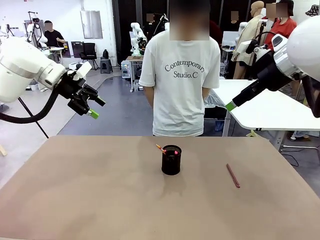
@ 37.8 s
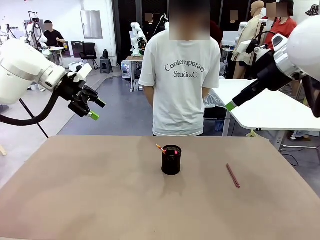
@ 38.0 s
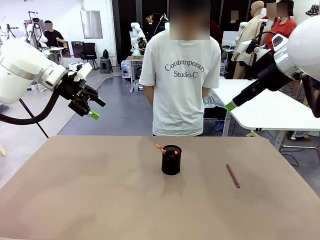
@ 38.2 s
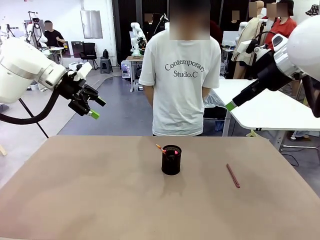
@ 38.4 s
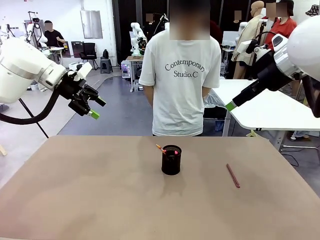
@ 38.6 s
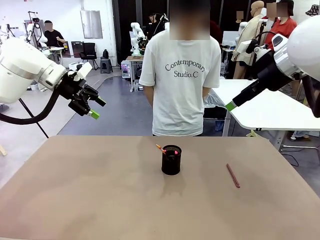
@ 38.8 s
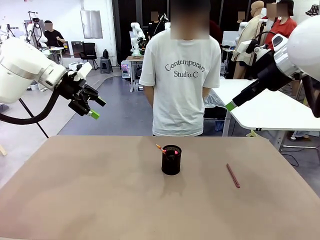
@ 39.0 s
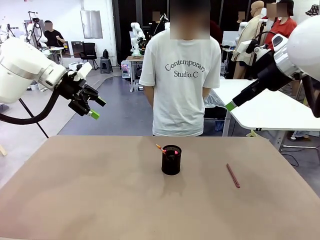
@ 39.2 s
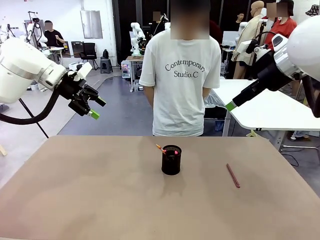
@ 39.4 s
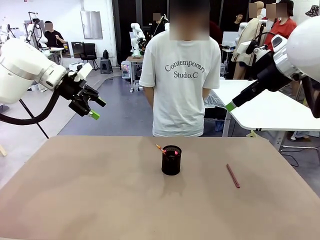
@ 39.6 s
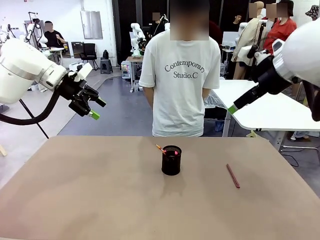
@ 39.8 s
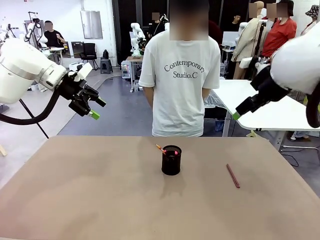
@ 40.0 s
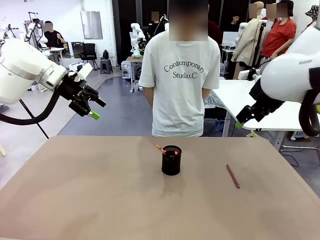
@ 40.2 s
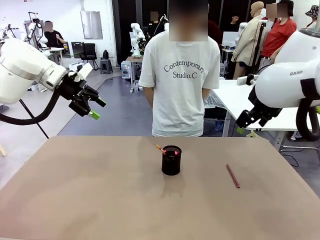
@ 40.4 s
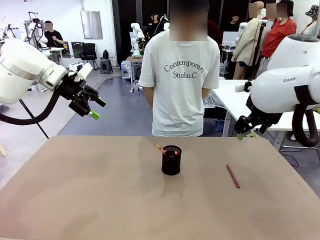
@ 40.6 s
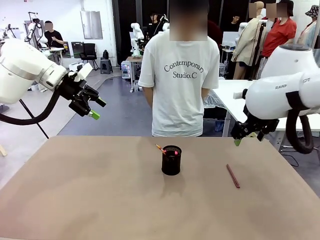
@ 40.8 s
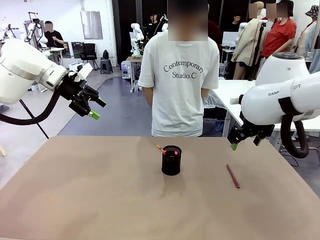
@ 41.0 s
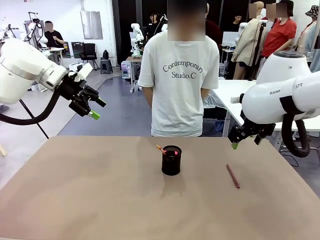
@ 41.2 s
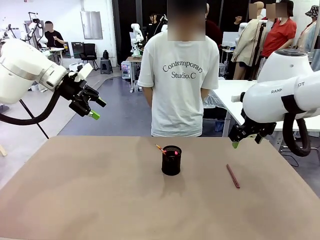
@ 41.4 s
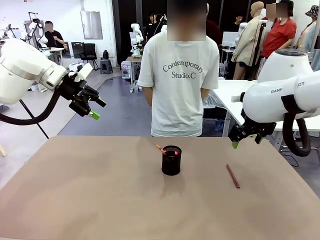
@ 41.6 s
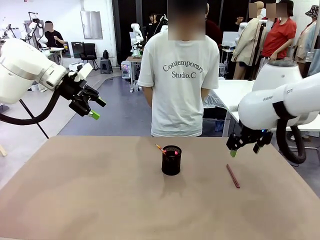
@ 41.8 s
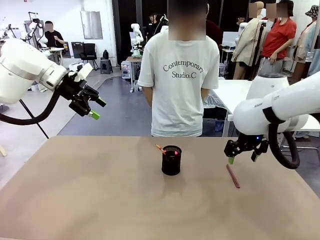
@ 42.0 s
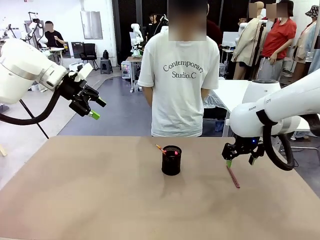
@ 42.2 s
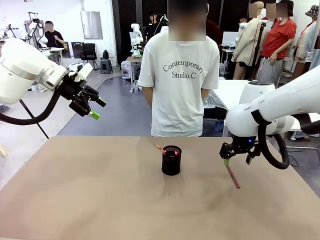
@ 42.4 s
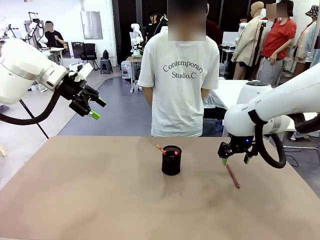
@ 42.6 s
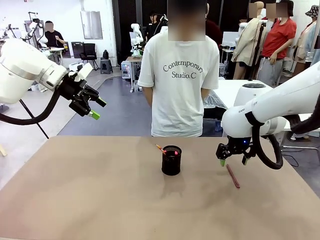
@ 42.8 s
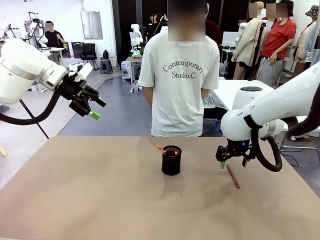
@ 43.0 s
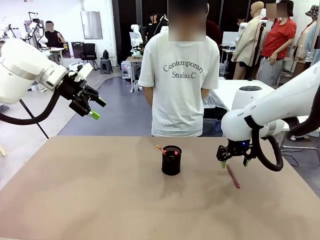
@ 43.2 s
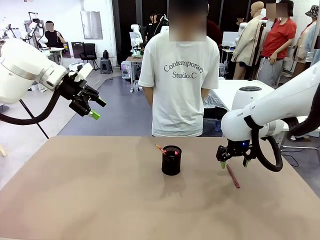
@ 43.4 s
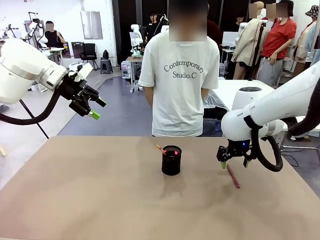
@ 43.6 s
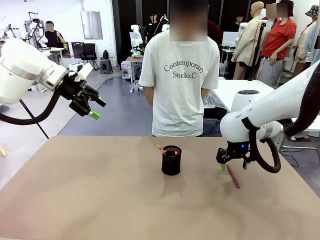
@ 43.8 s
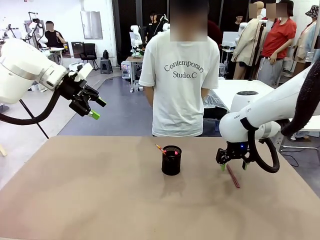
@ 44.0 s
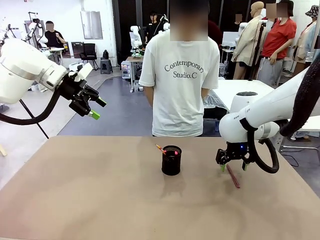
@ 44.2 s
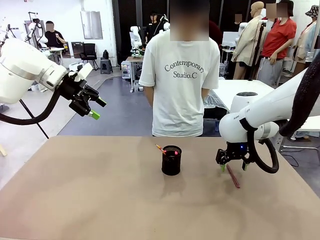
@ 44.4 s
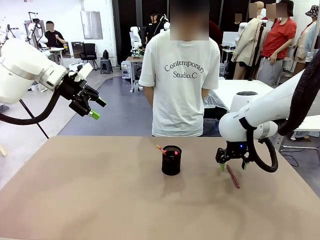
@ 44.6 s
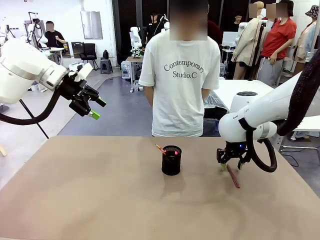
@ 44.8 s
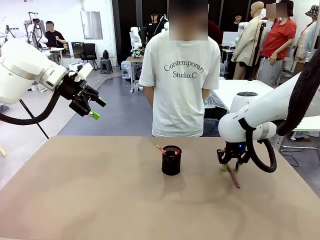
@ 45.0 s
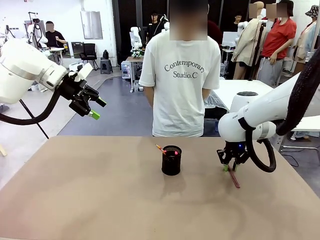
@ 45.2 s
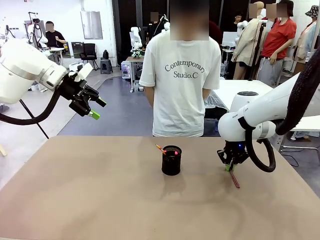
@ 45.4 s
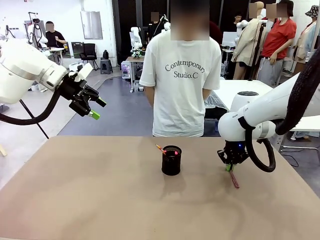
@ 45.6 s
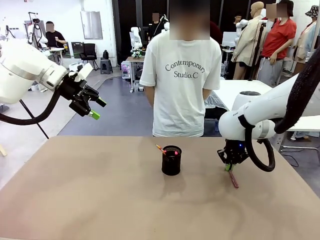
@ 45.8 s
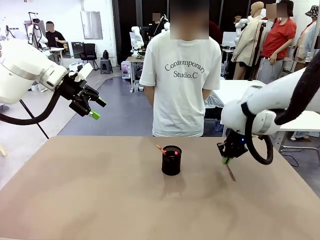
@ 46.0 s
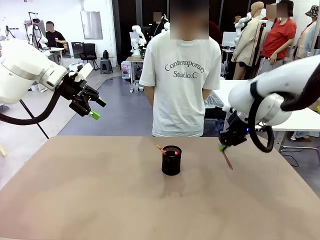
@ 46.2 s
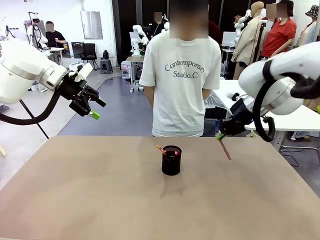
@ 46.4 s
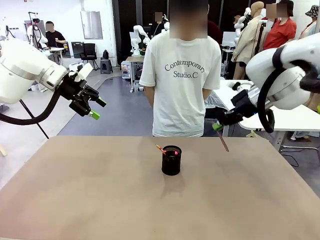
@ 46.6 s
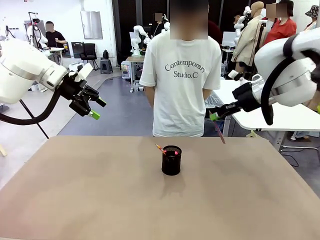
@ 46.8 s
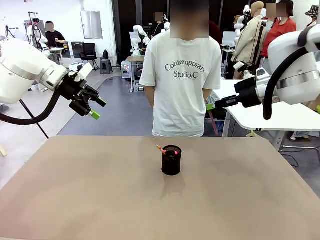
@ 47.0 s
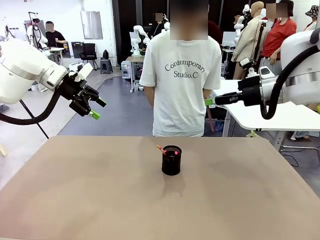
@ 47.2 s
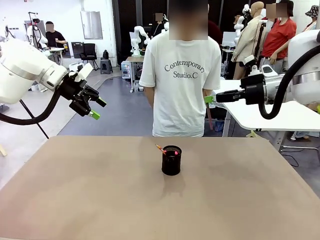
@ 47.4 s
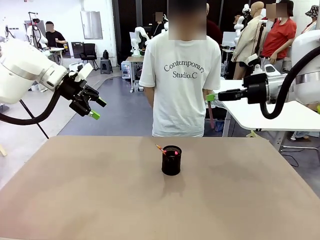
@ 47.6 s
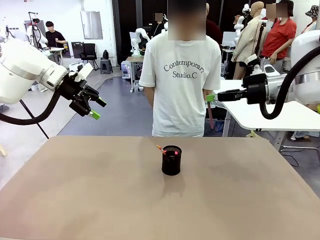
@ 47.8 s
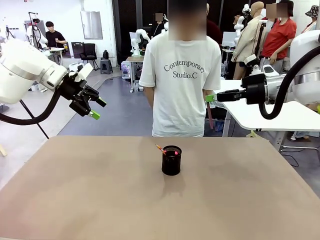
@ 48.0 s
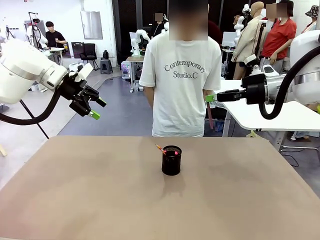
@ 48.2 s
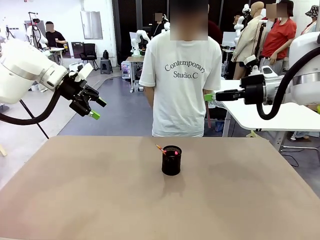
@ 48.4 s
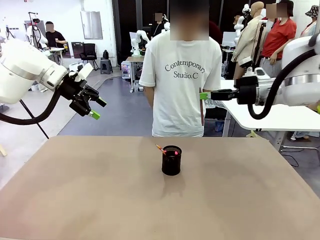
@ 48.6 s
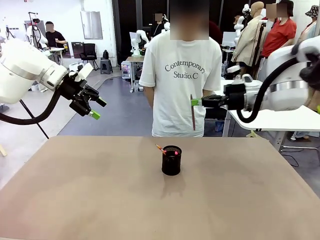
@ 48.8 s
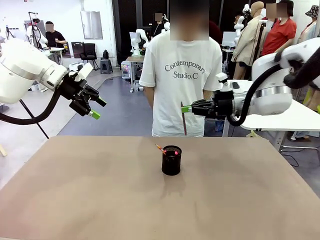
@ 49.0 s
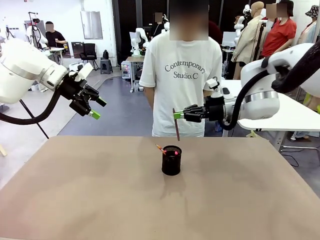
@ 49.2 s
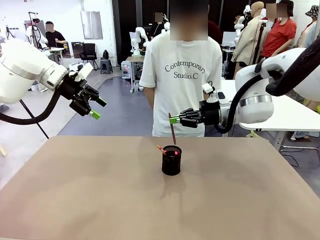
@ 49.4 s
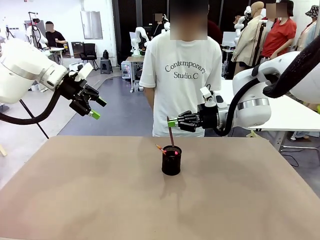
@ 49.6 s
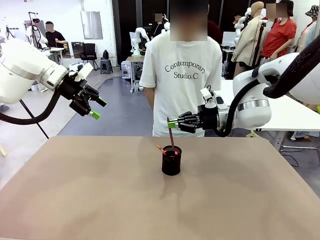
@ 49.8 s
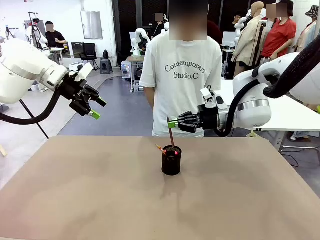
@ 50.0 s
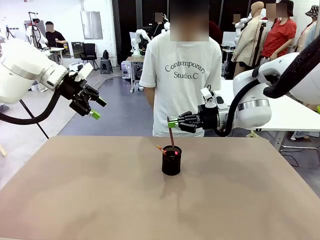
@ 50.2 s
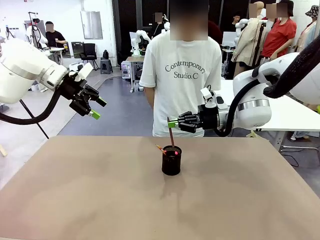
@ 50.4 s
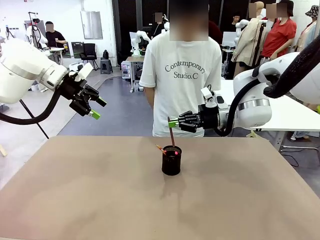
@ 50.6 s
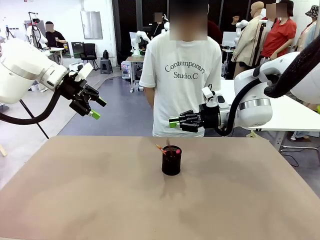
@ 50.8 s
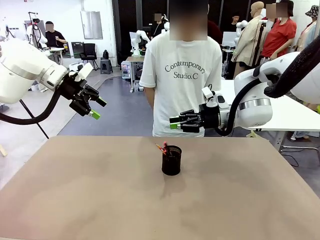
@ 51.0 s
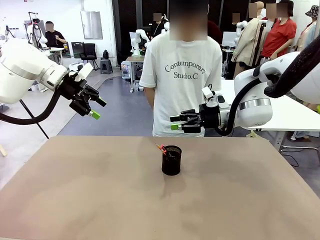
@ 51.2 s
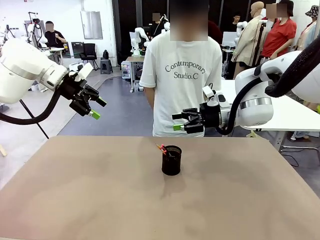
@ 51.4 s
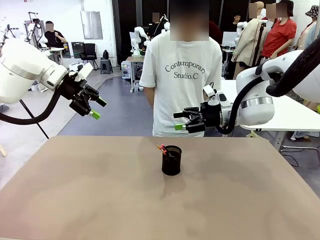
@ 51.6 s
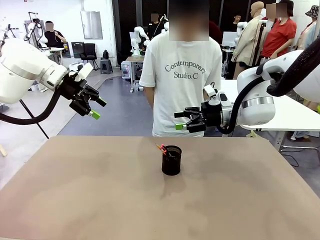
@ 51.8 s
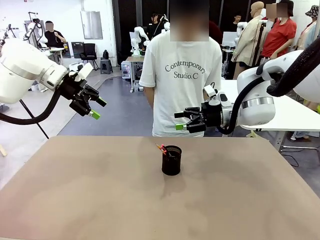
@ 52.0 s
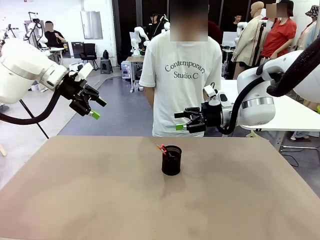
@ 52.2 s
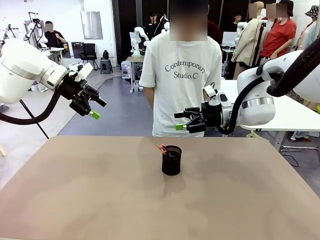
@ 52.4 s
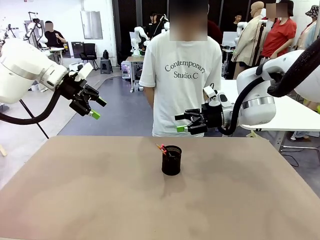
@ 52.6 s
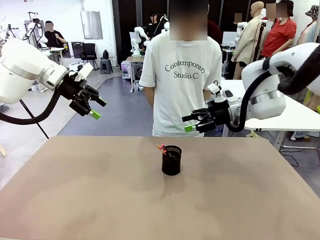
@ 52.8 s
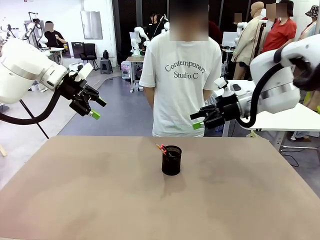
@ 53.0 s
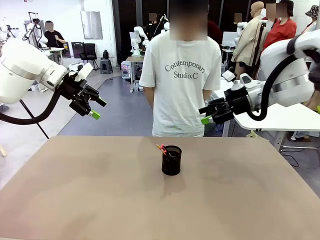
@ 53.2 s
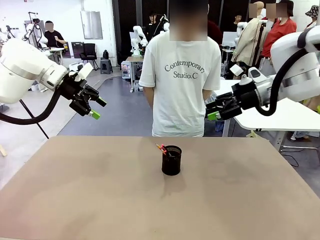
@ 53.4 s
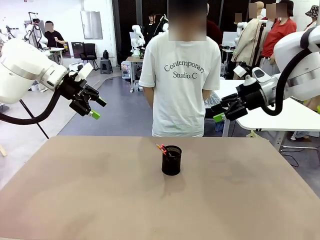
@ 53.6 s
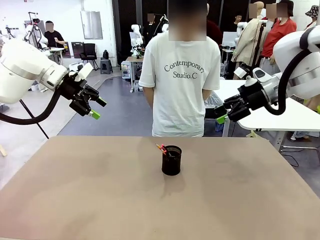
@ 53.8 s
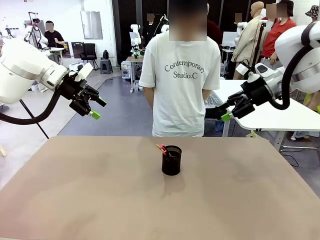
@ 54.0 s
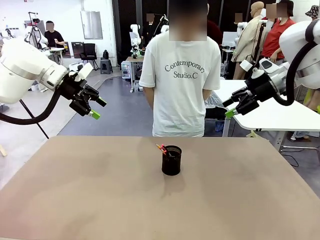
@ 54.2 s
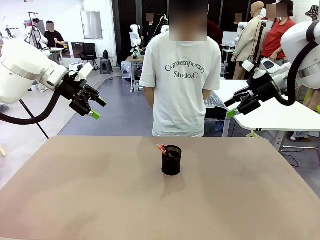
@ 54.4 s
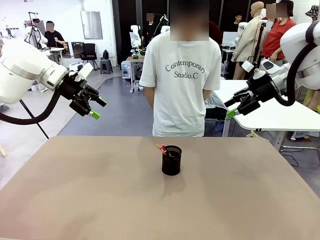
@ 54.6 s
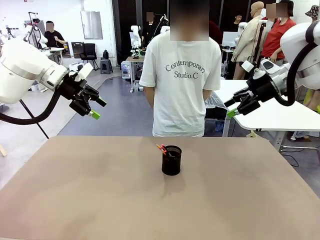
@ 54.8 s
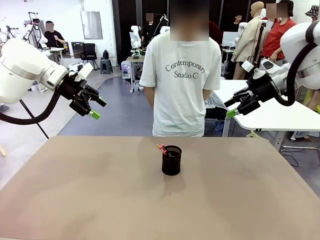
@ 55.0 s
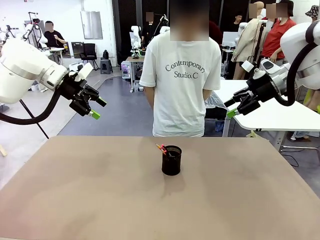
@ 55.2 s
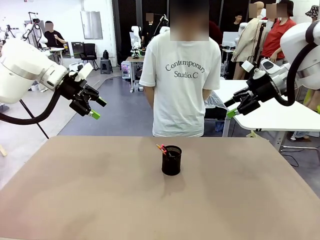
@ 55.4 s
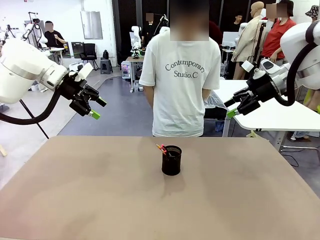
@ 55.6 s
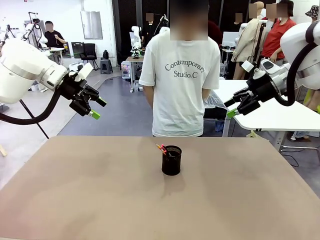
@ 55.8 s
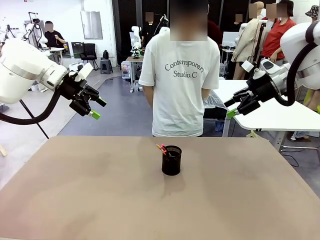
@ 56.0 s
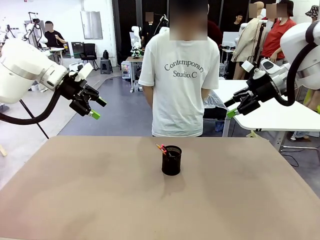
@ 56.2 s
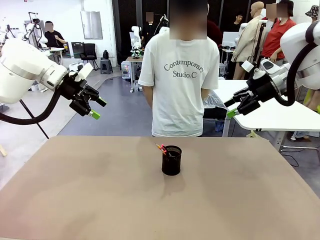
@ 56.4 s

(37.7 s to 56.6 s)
Task: Place the pens into the pen holder.
Robot: Pick up a writing instrument from the table and place it into the Pen holder.
